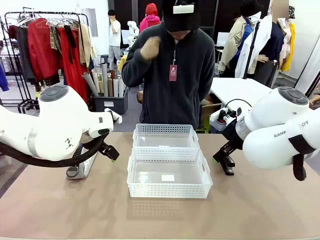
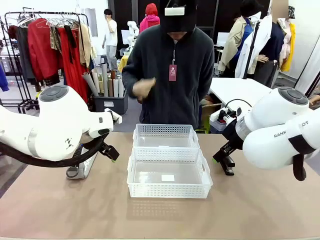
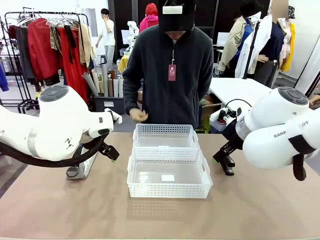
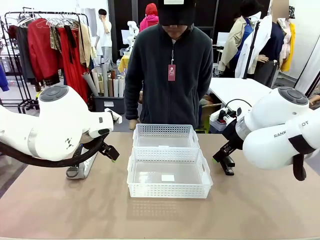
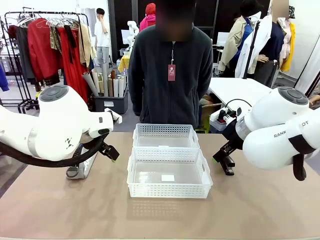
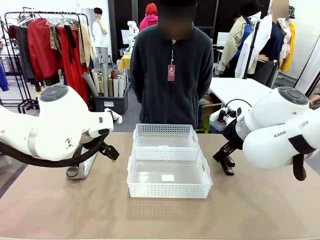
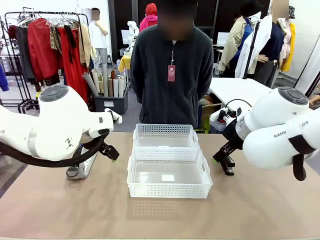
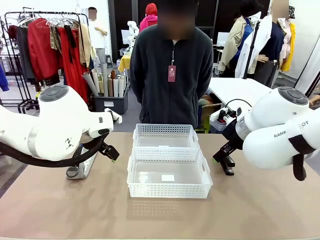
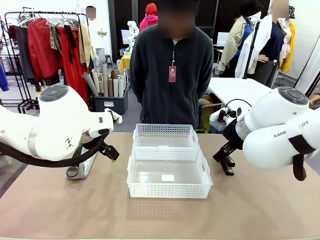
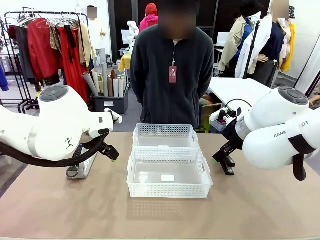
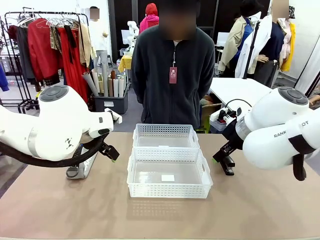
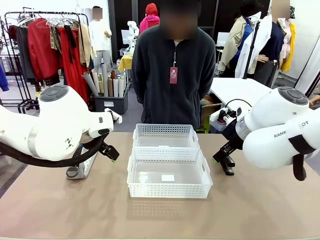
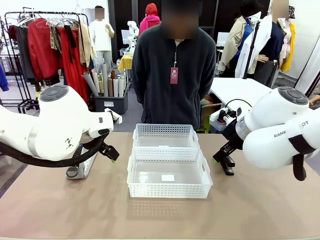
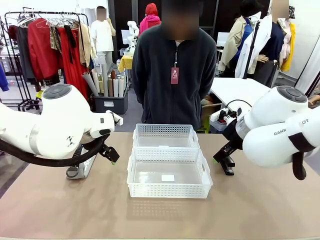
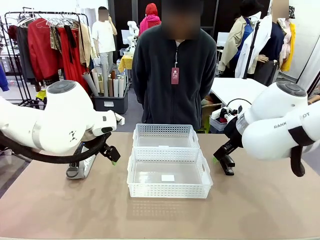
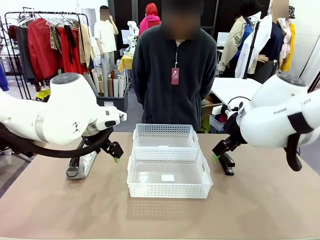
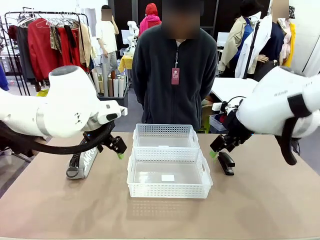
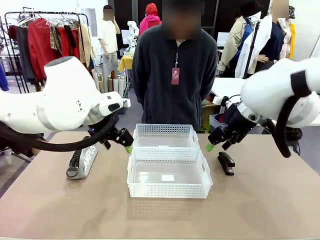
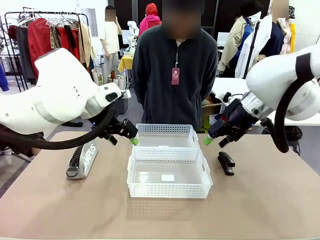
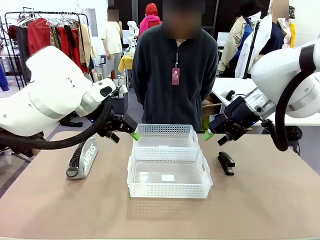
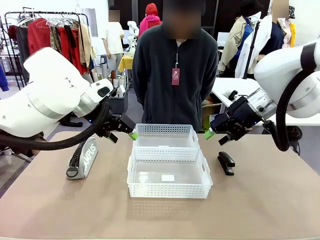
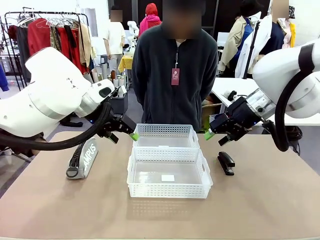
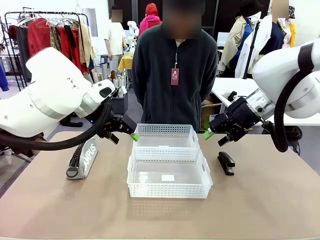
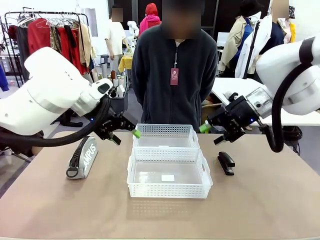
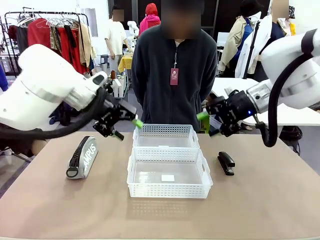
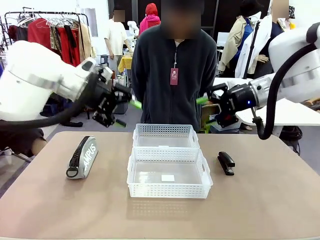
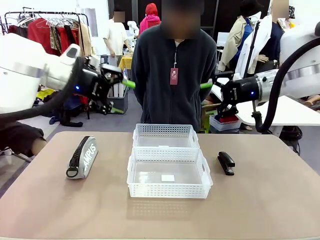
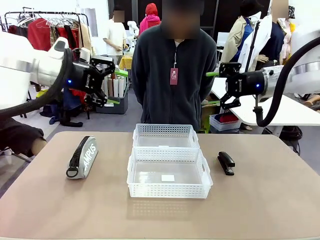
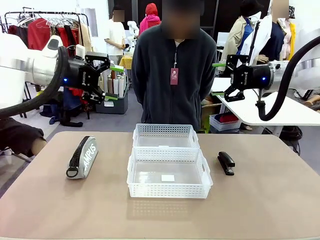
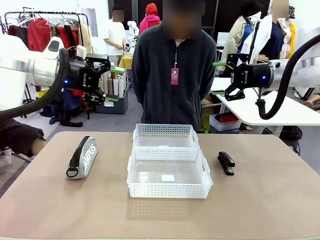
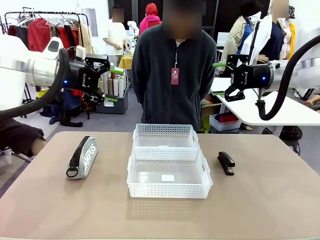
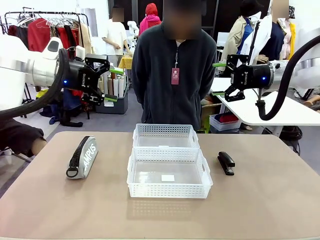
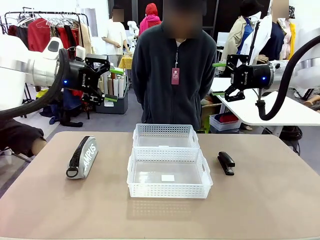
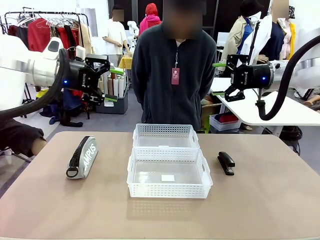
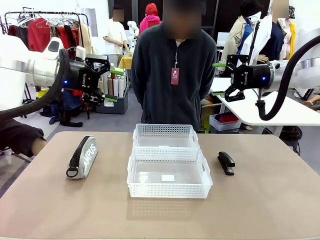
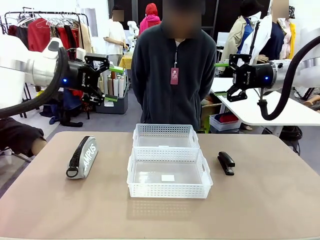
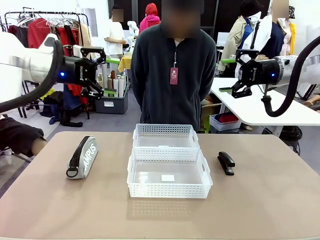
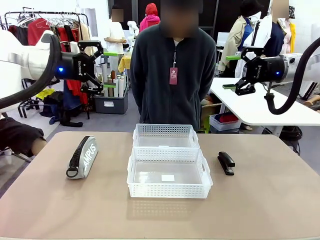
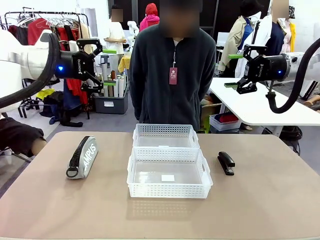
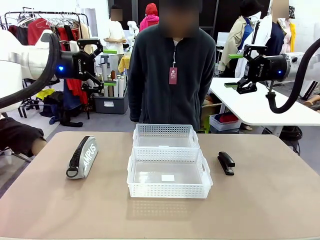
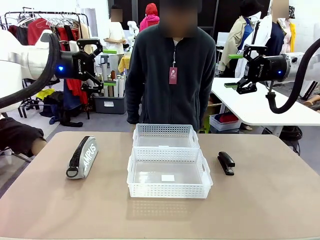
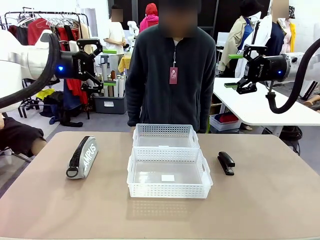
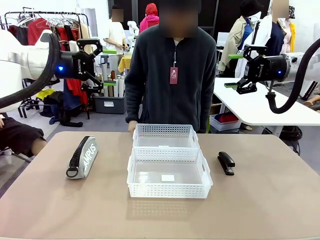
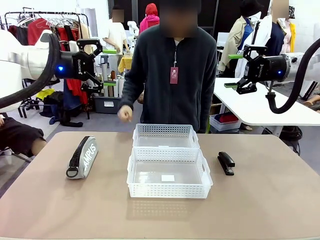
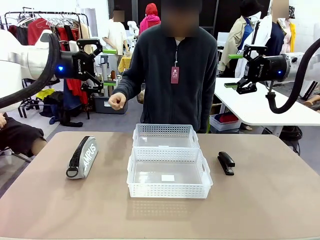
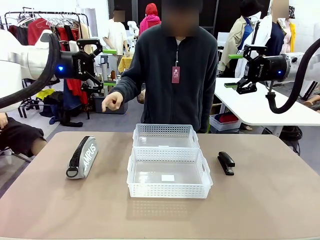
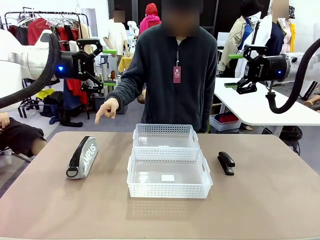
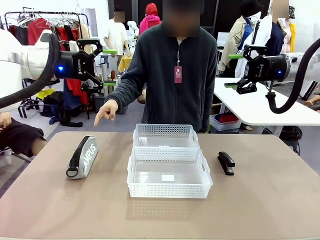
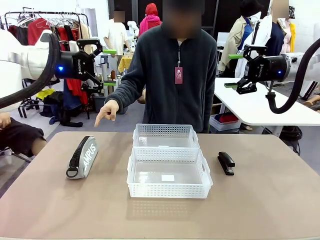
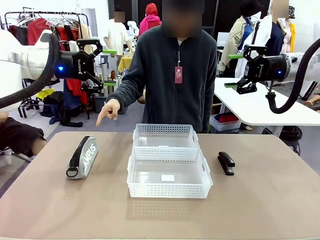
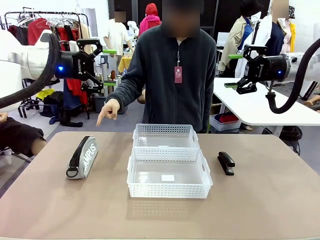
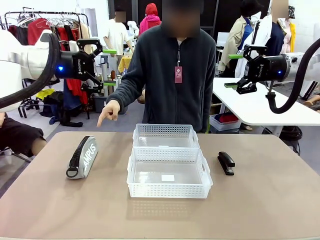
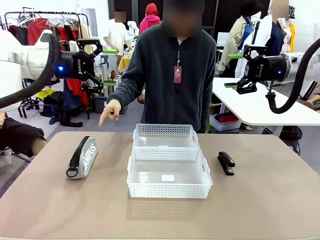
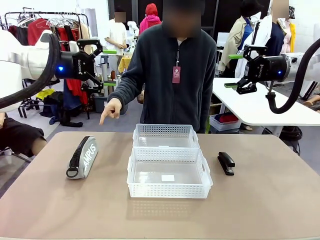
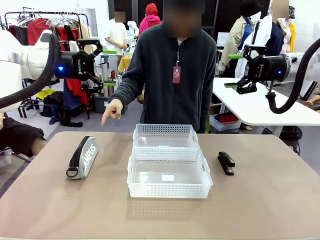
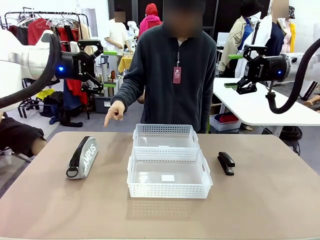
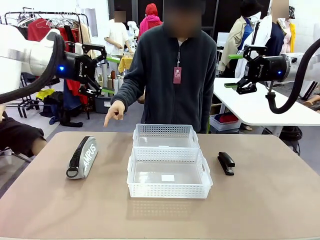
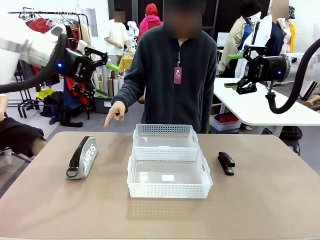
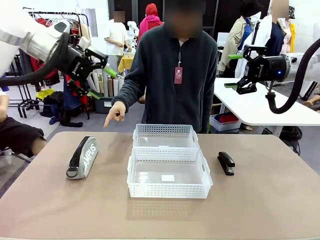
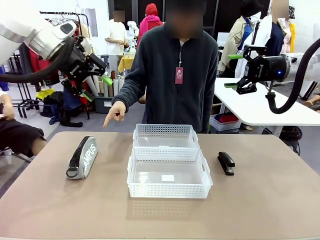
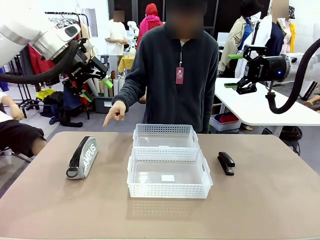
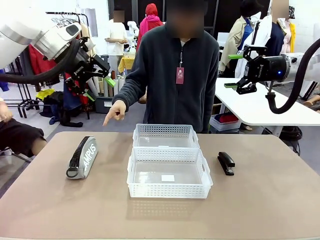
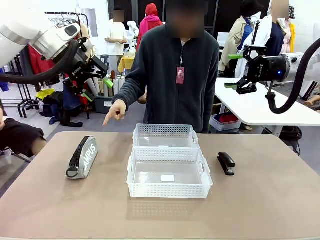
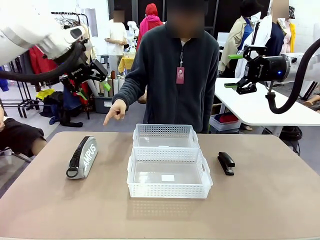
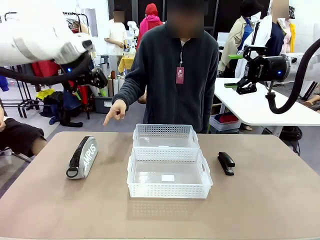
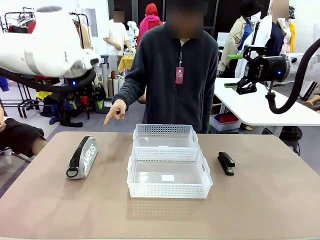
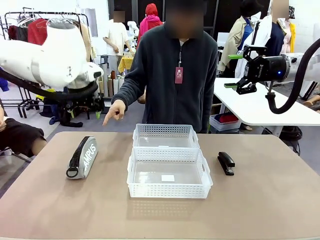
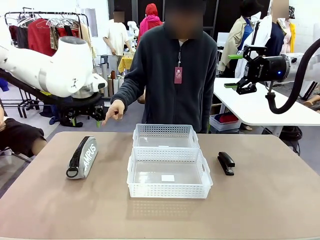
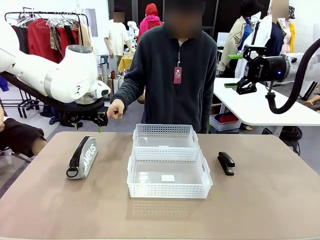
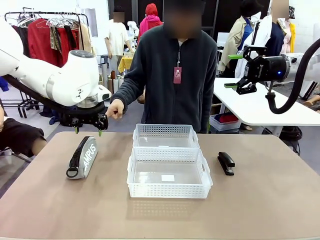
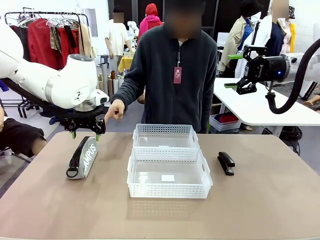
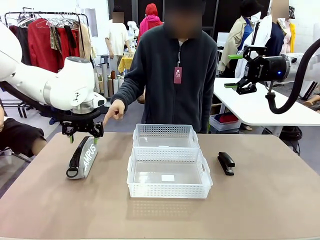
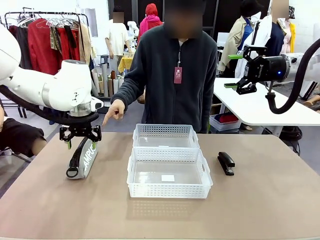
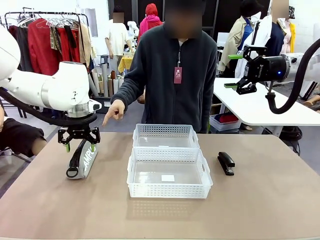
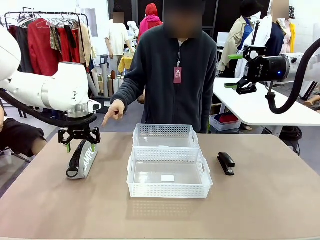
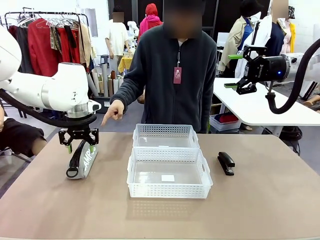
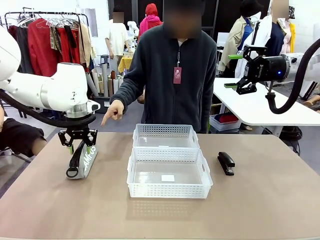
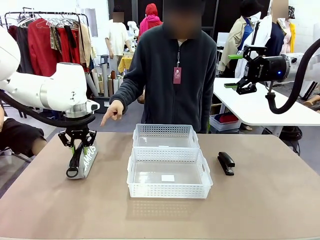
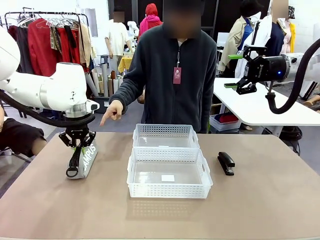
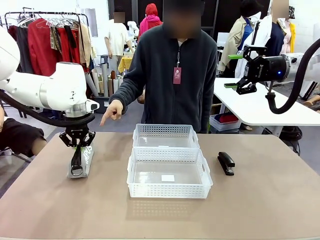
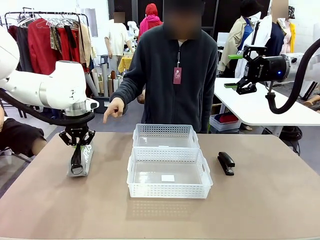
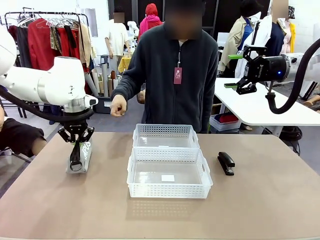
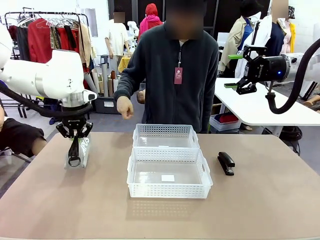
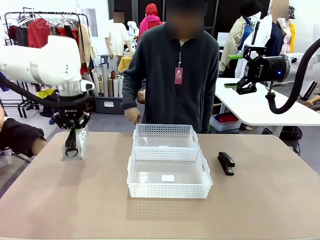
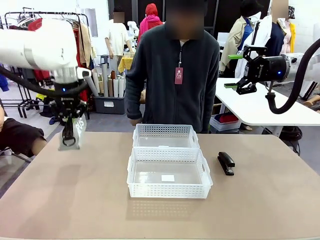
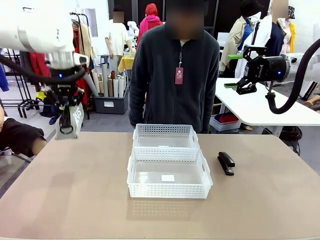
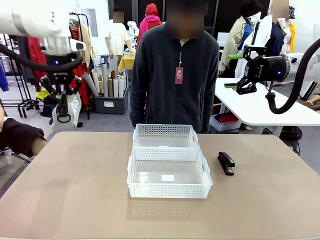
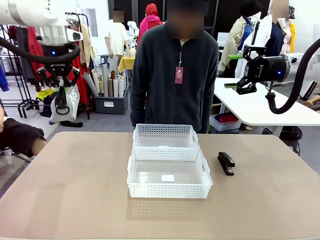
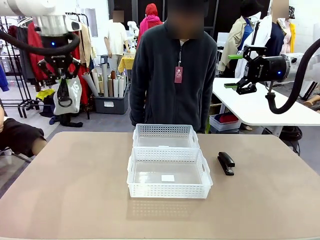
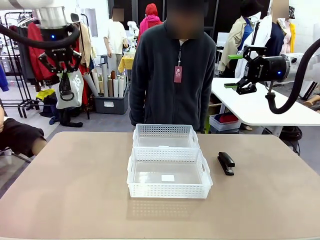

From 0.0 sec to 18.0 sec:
Task: Distribute items into two baskets.
Robot: Pick up the Pencil pouch that the person points to.
Person: Points to the pencil case. Points between the two organizing baskets and instructs the robot to move the pencil case.
